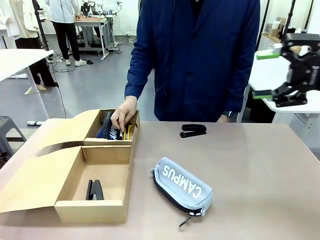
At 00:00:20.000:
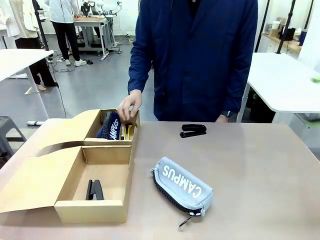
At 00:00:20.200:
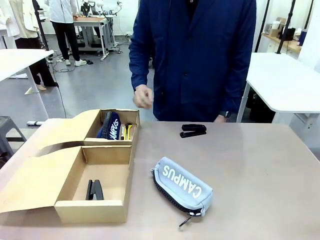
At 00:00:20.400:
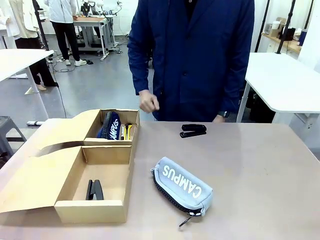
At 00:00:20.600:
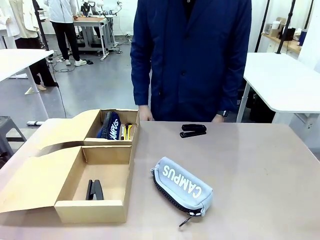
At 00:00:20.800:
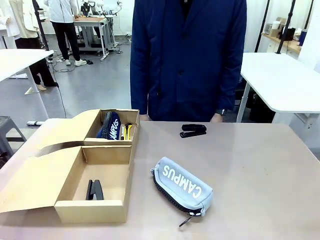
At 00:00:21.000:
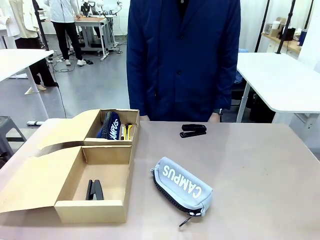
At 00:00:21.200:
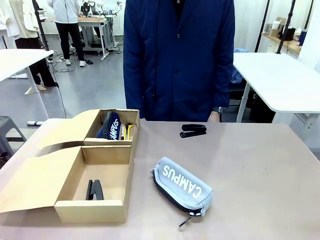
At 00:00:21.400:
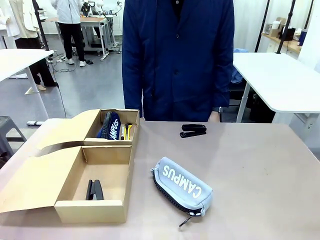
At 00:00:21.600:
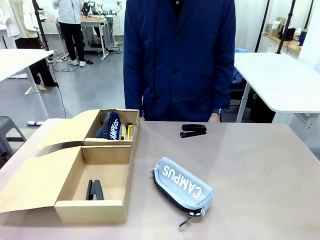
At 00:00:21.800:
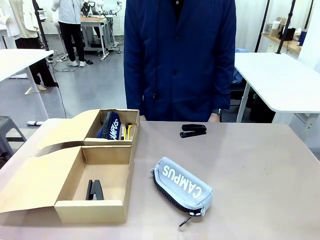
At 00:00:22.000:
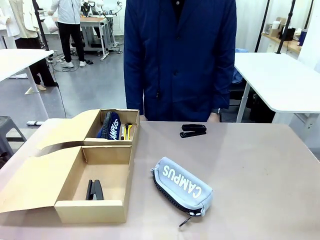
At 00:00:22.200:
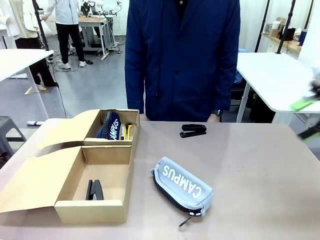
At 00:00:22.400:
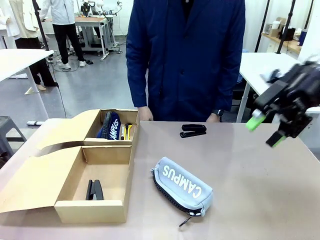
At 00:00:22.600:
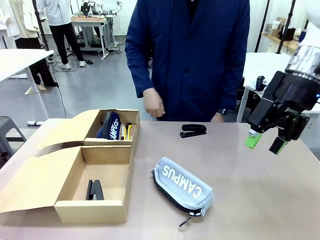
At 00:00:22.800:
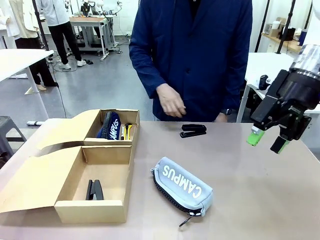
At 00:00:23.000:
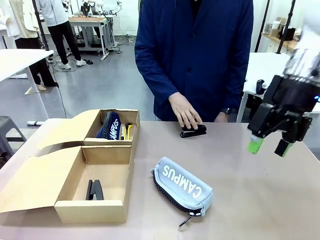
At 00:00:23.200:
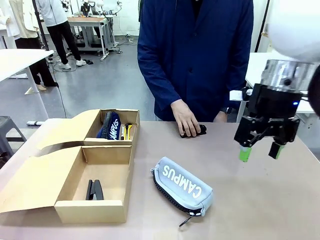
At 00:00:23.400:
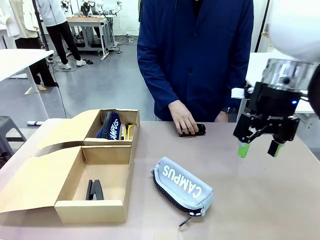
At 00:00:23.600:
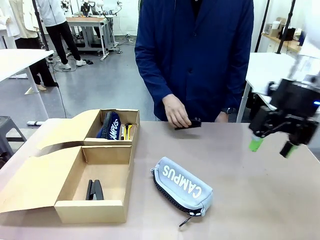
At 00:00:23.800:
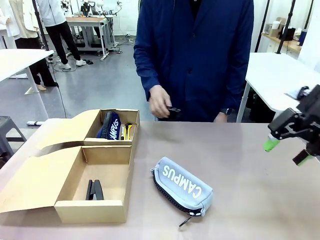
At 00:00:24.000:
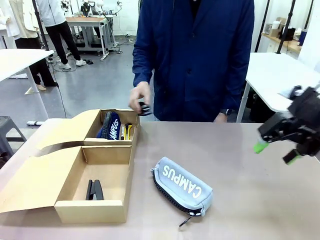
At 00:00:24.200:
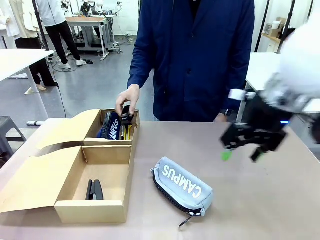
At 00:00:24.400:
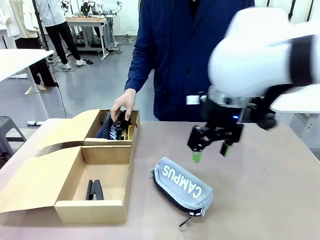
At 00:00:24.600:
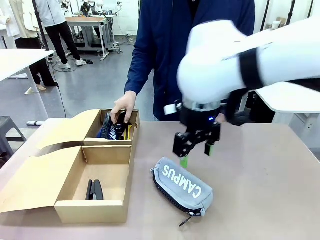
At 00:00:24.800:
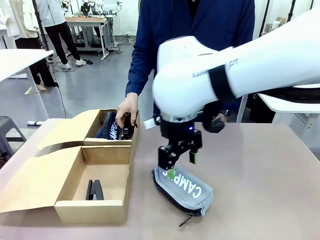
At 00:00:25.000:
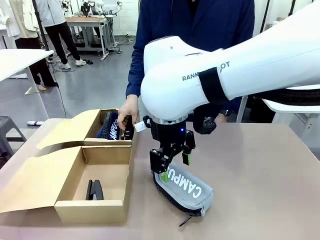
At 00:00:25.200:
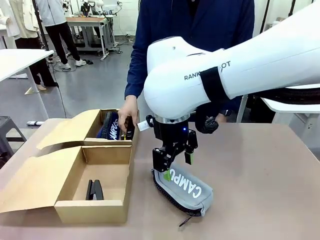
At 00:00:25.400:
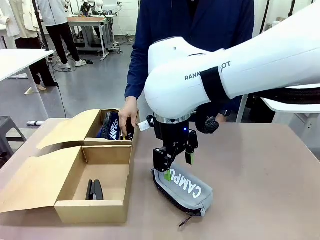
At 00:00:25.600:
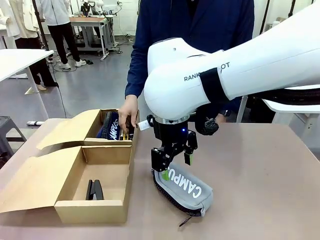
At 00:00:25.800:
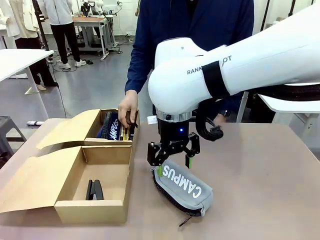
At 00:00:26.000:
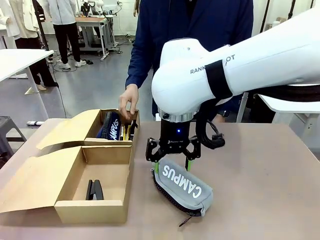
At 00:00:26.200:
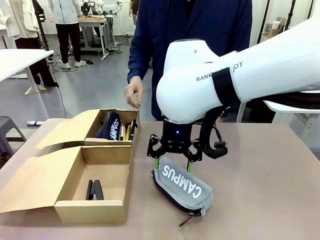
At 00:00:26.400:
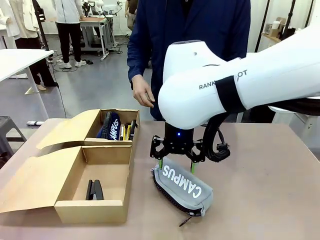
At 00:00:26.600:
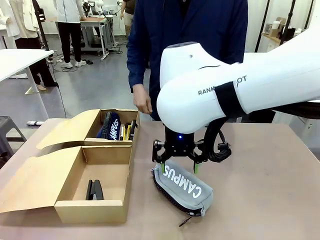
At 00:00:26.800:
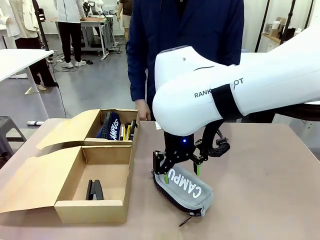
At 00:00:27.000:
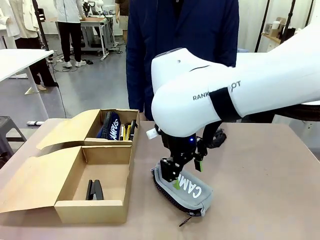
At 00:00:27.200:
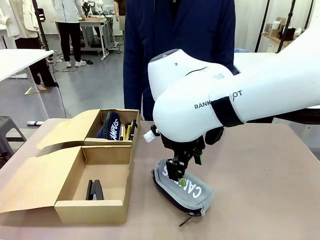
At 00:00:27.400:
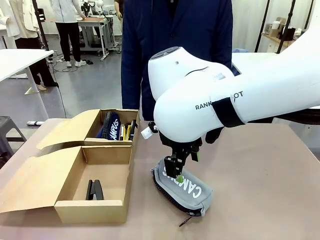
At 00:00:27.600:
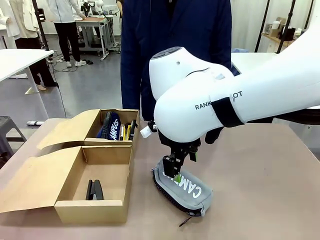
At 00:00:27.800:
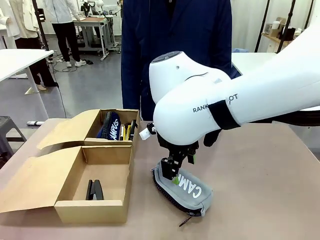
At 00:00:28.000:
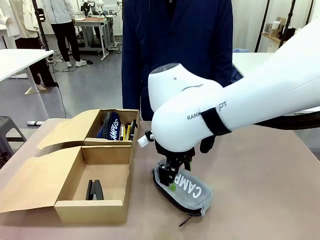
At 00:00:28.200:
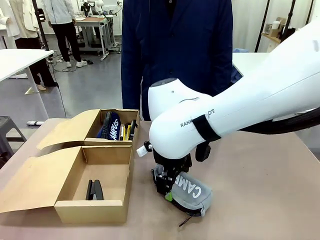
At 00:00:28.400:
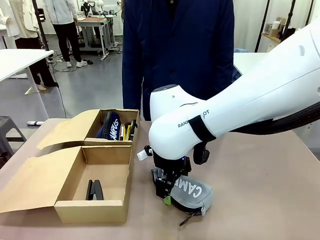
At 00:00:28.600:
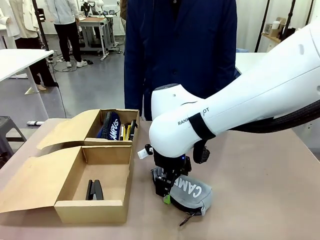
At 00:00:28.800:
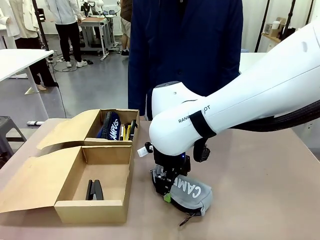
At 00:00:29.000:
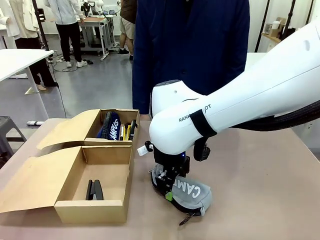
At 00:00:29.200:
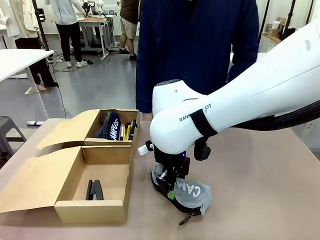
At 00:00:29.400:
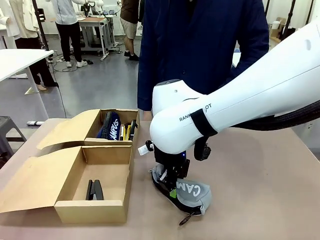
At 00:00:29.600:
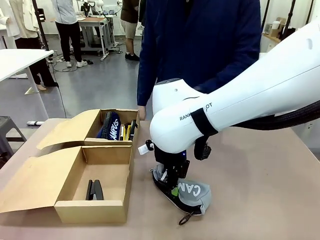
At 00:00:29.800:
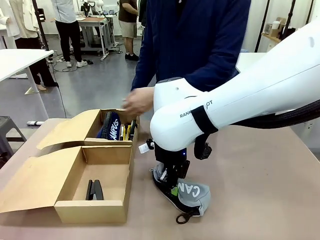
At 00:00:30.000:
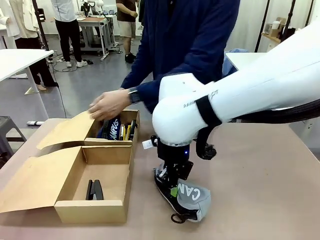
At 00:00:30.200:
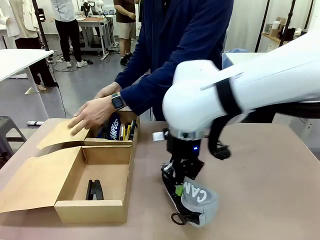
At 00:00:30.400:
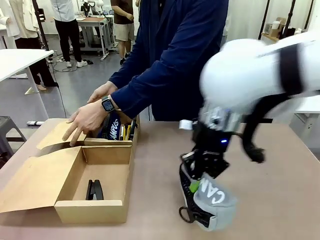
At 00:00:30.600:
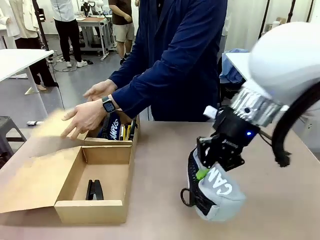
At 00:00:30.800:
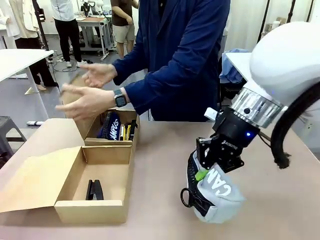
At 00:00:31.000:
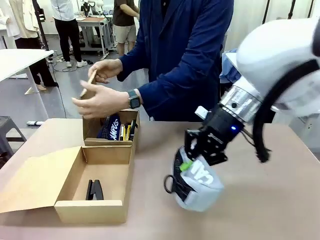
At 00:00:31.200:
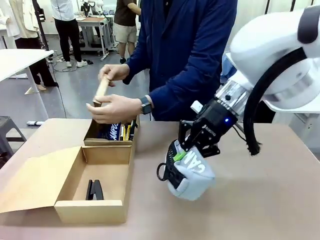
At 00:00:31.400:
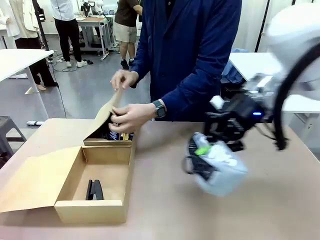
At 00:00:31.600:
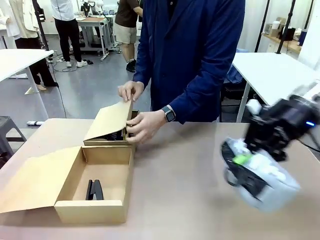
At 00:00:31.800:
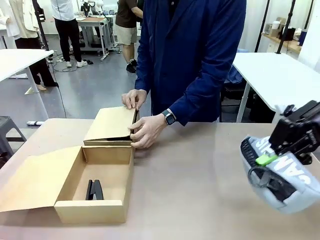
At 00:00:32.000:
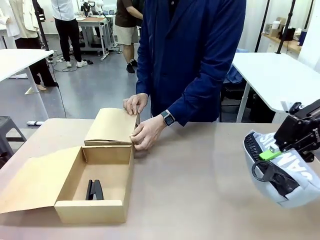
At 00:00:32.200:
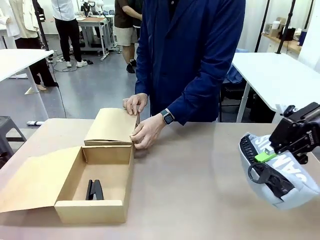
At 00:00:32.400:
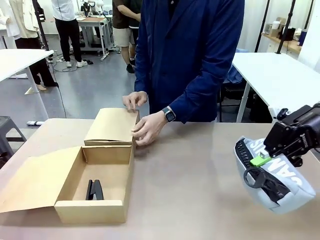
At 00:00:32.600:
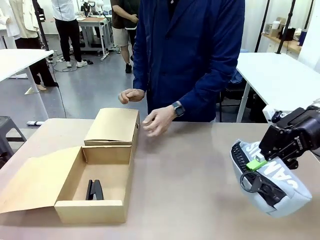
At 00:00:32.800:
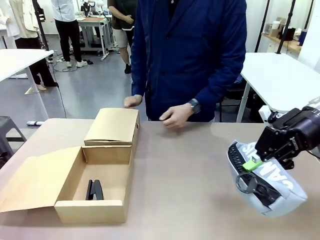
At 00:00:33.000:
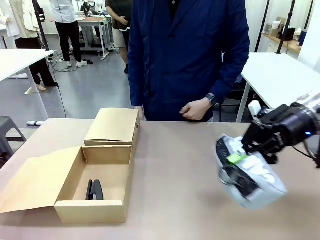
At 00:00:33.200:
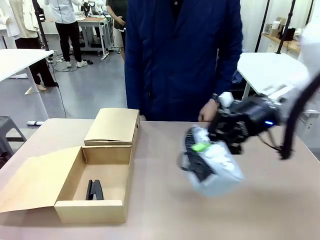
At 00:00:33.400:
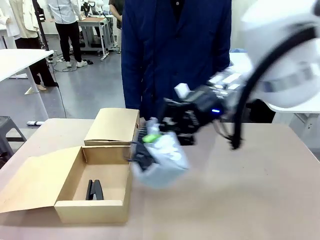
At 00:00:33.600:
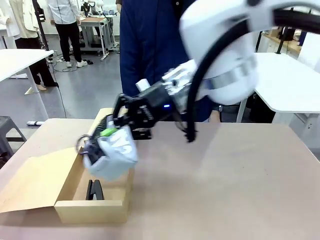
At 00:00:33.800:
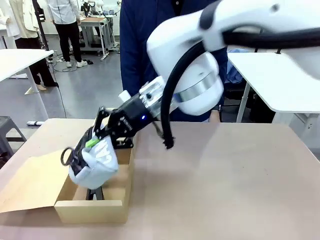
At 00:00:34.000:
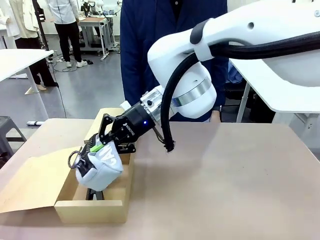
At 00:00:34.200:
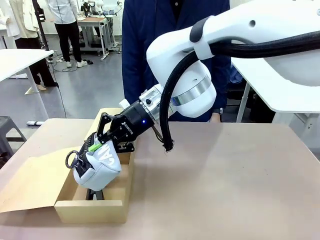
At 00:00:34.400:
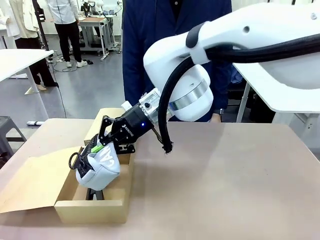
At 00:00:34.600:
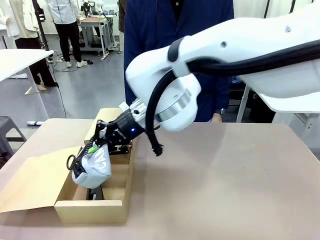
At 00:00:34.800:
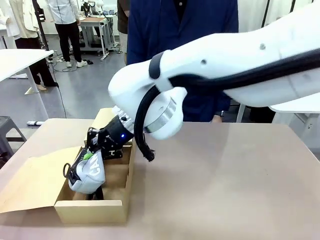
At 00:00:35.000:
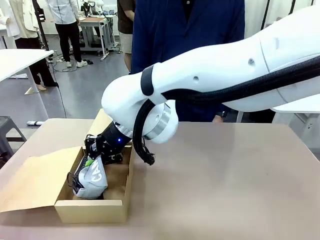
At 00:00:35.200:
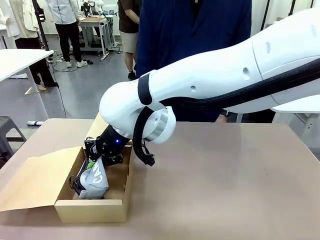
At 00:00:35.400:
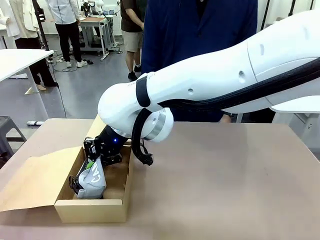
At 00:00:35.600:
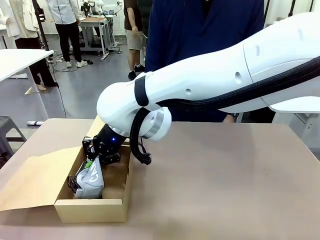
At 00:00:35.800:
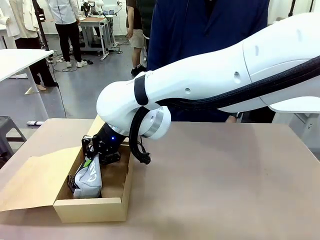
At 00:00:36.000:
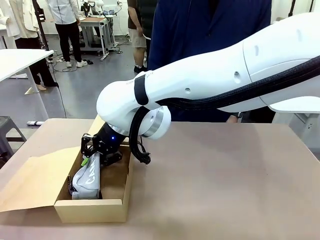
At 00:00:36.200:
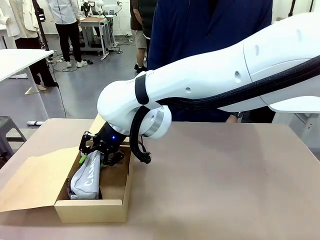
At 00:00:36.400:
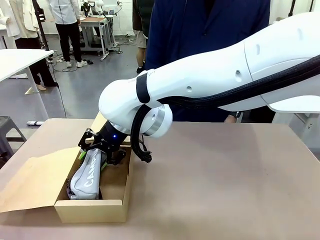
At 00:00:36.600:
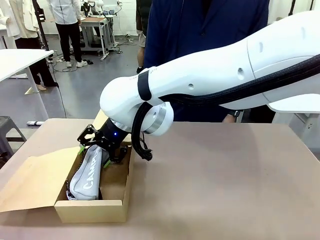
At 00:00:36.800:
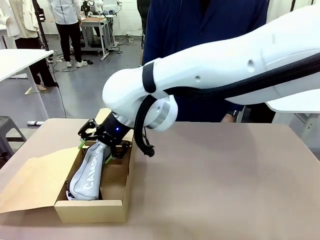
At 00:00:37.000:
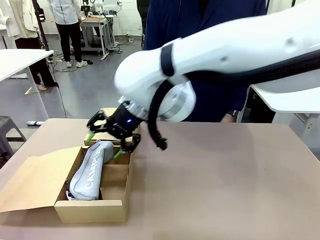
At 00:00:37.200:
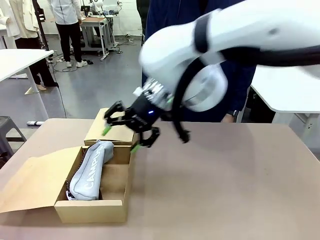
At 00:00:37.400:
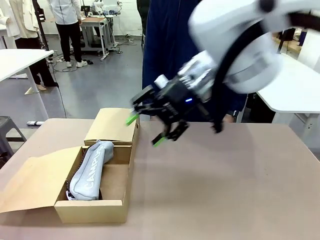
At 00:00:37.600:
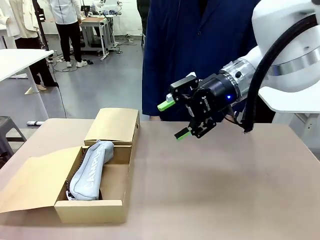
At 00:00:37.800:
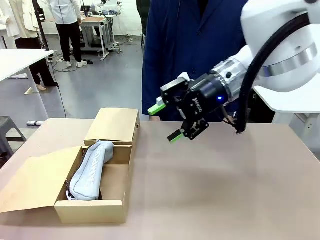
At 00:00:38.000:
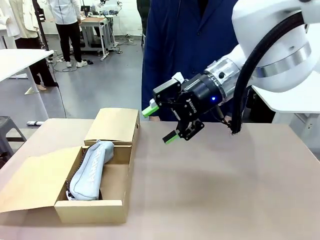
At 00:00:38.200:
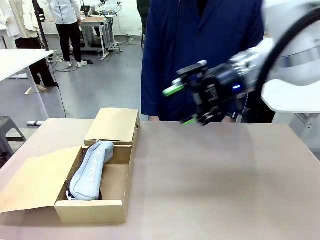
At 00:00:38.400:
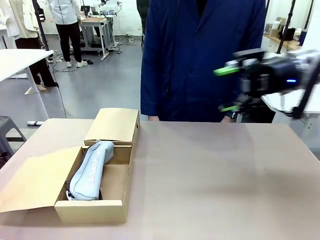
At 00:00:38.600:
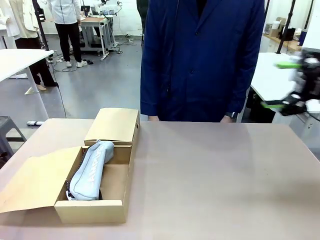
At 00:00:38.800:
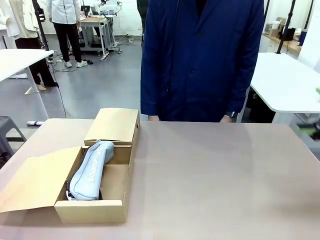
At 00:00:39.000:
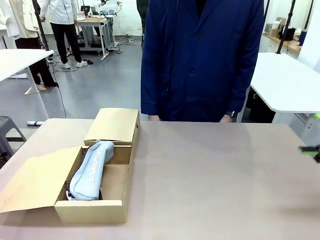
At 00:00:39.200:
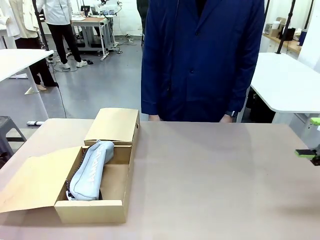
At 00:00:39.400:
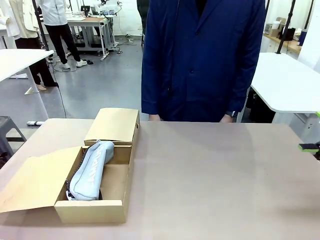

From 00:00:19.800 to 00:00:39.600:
Task: Place items inside the box.
Robot: Pick up a Pencil pouch or Stapler and place it inside the Mailer Box closest to the robot.
Person: Close the lid of the box facing the person.
